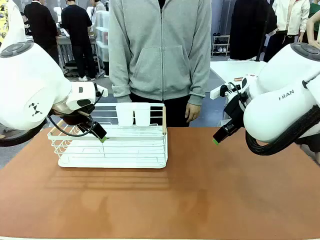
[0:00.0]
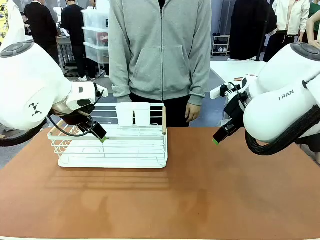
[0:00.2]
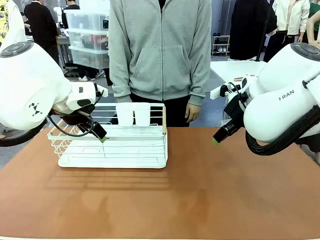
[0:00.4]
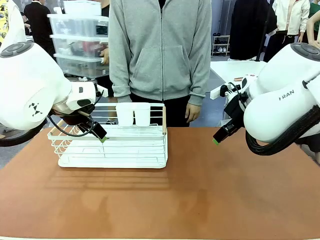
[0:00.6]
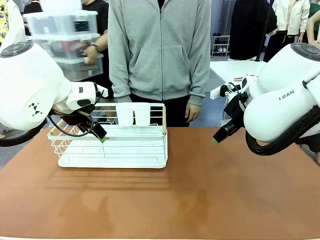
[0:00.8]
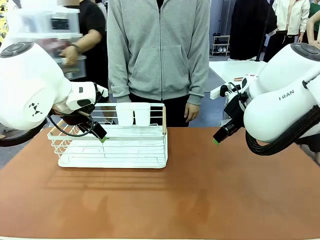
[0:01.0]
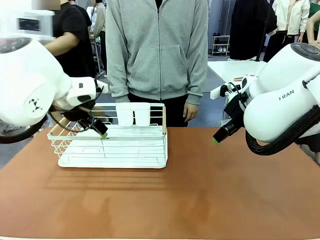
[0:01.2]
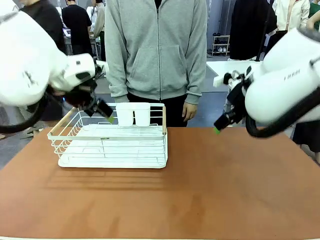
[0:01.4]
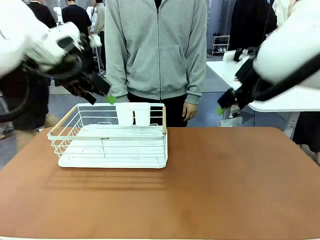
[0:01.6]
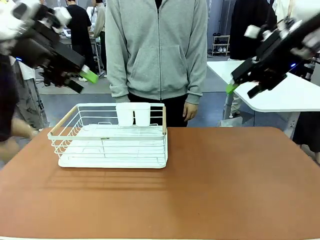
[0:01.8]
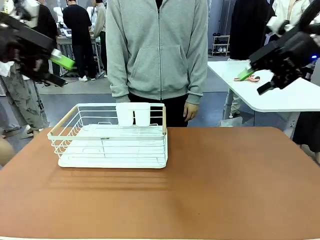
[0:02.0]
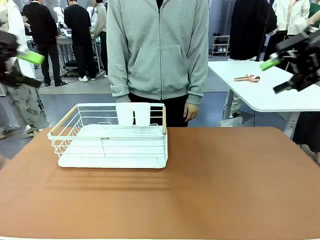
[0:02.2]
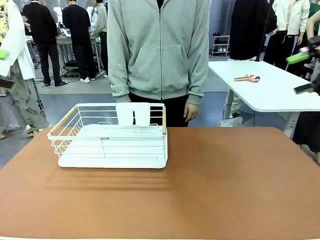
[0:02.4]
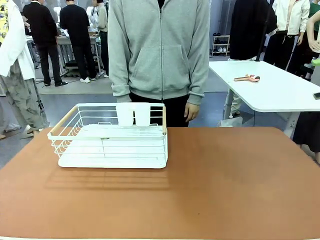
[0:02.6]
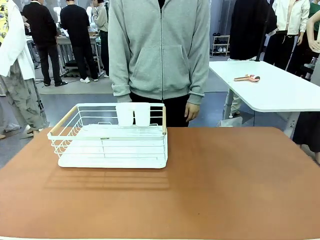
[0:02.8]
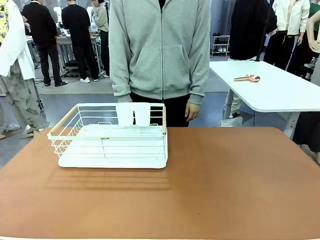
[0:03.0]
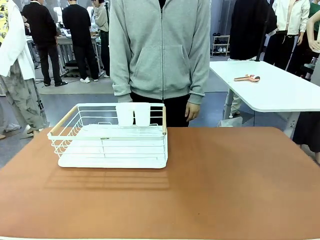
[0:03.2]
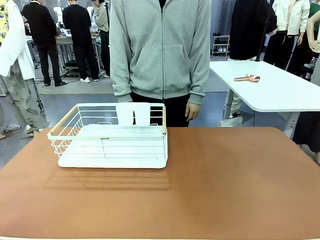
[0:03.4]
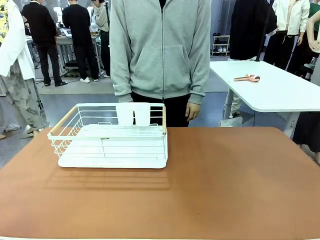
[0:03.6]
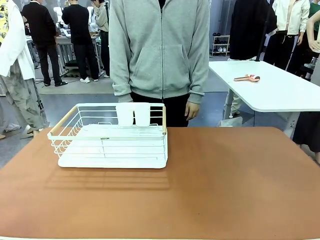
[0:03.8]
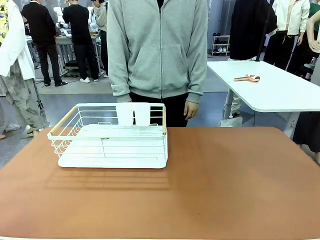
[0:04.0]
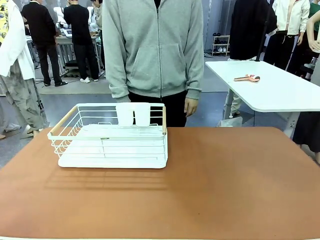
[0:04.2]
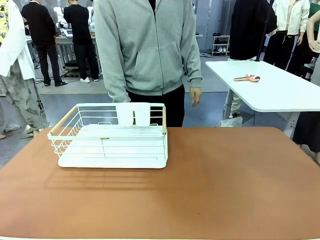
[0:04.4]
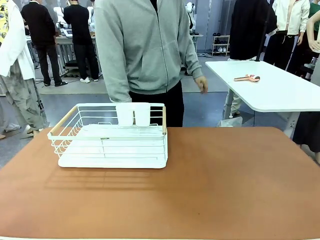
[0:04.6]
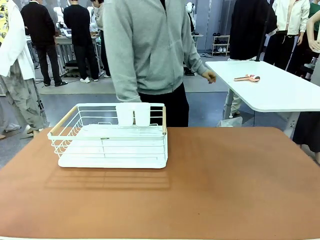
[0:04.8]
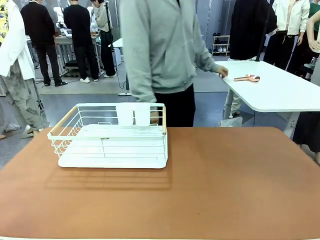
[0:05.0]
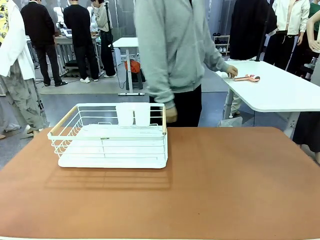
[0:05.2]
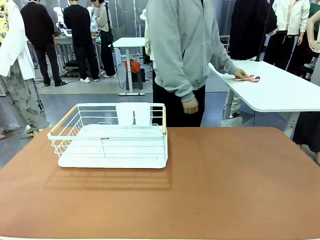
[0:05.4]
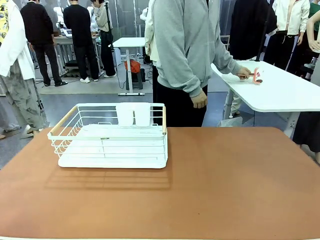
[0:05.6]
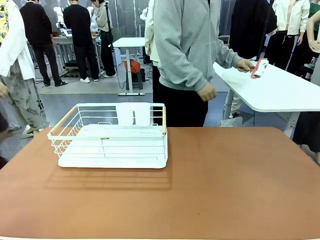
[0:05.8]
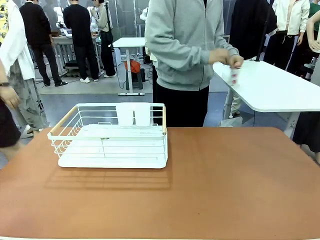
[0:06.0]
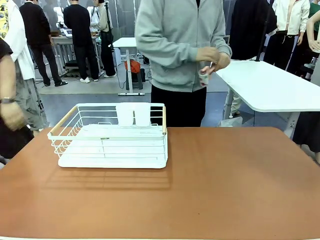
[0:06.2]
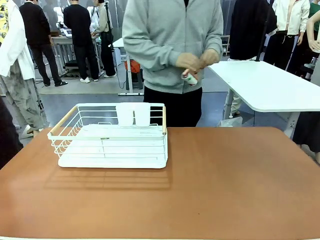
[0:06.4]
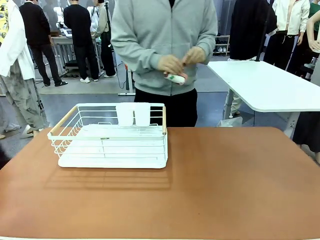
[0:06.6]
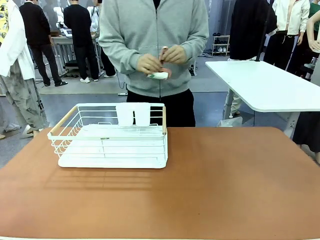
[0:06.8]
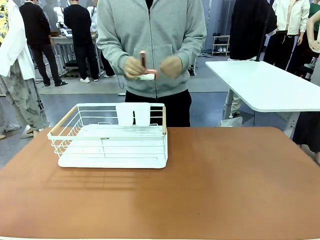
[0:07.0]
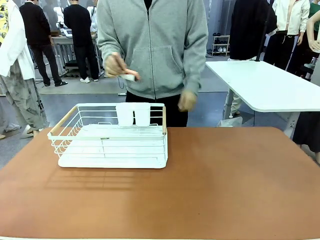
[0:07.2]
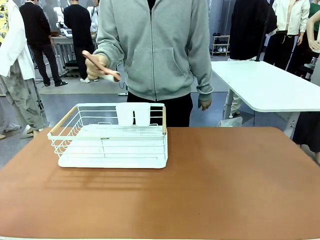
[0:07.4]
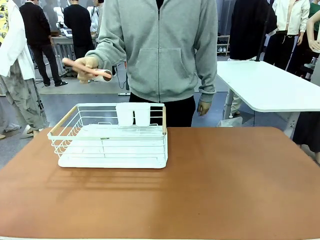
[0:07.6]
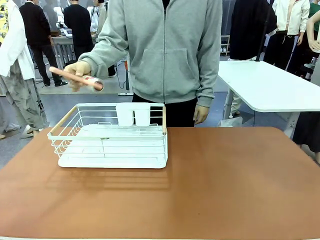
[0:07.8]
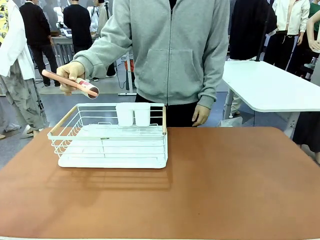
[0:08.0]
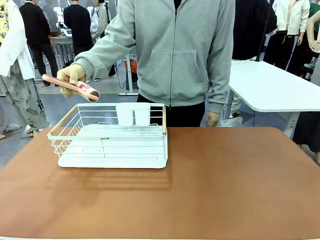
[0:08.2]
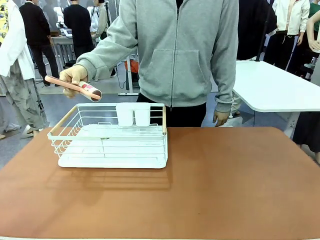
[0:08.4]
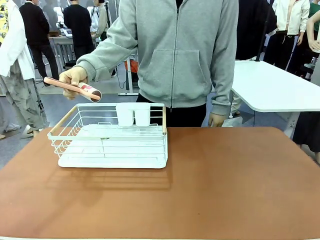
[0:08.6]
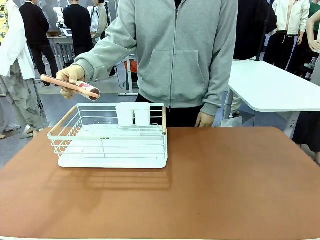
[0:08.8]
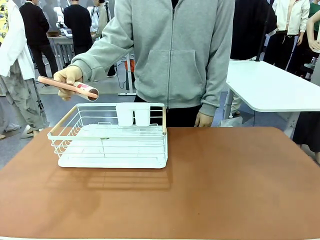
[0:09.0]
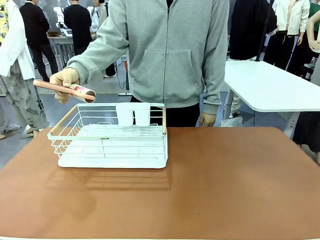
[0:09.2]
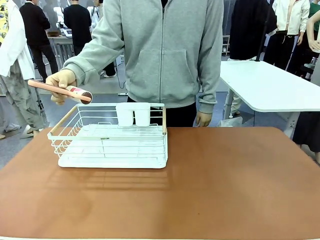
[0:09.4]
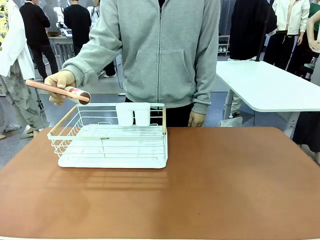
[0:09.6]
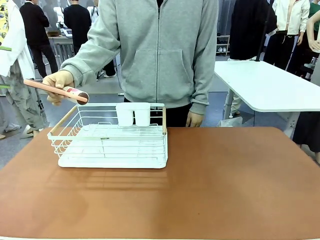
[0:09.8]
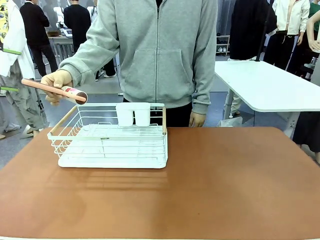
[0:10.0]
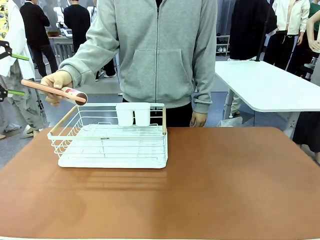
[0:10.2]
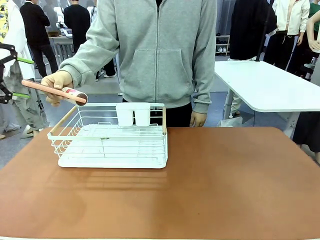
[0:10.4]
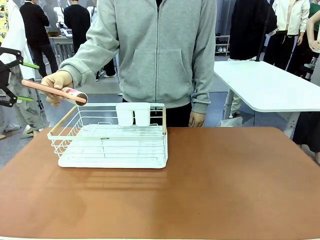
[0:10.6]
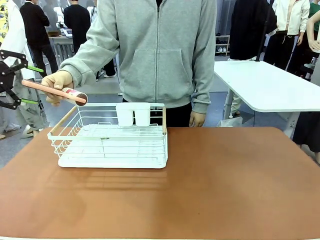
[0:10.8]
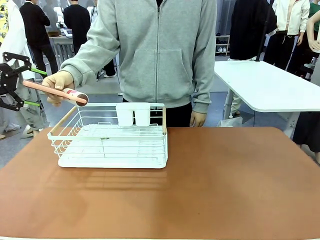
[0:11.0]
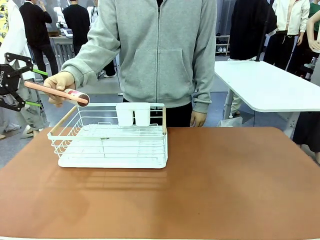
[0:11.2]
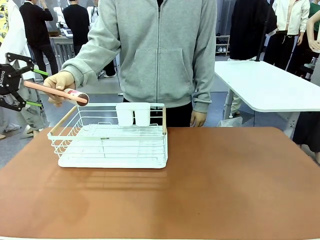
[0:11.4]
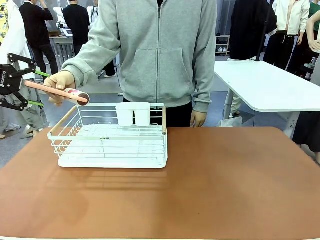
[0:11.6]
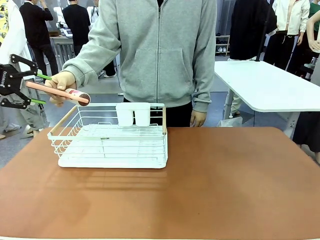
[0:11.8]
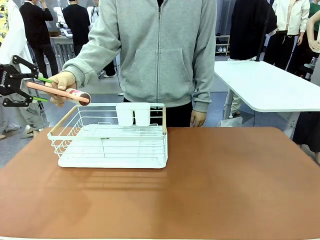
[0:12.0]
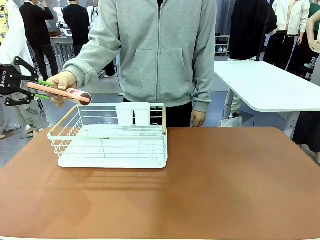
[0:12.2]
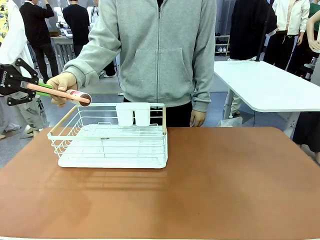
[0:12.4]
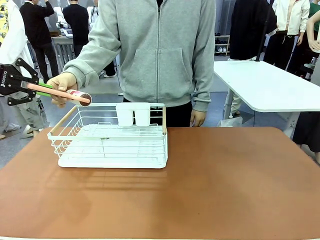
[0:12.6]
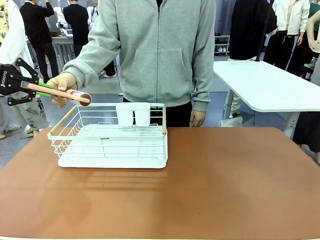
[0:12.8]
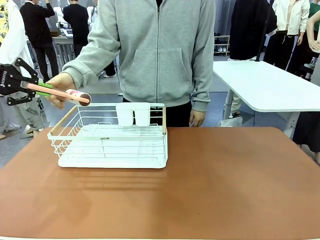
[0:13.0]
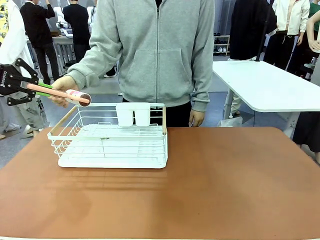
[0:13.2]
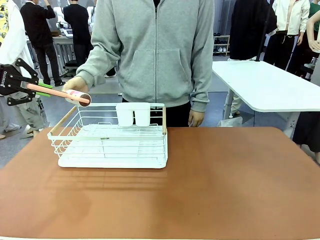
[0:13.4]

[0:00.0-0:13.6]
Task: Clean the table.
Robot: Pick up the Lint Roller when the human hands it over.
Person: Hand the Lint Roller to the robot so it can easily pick it up. Lift the Dish drying rack.
